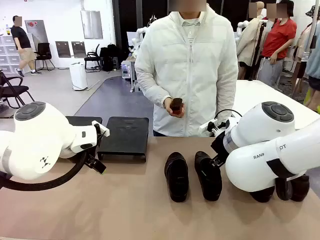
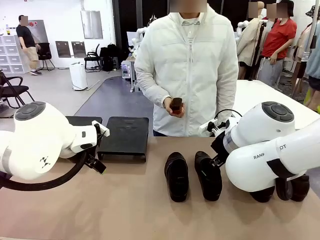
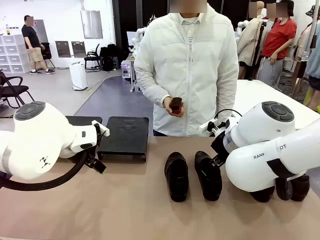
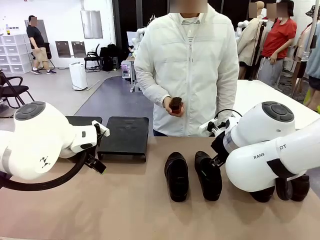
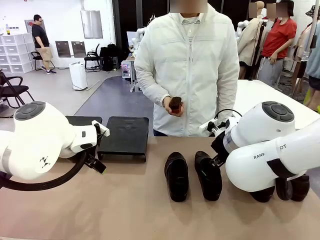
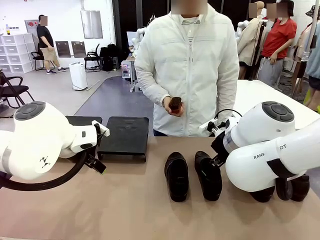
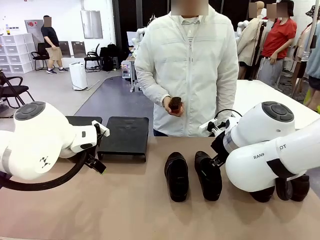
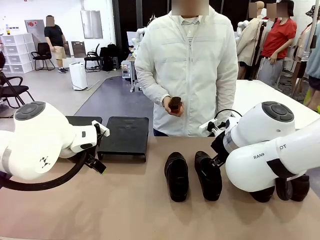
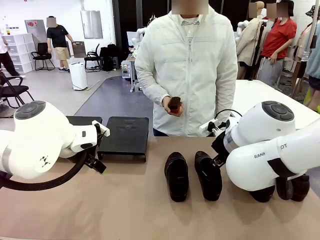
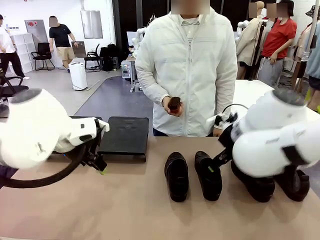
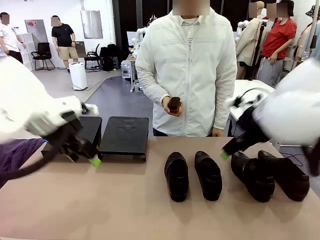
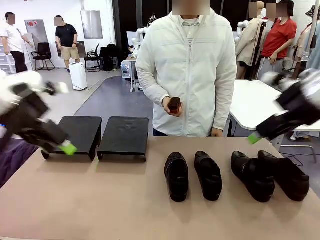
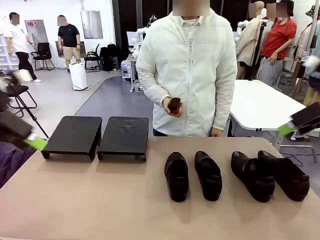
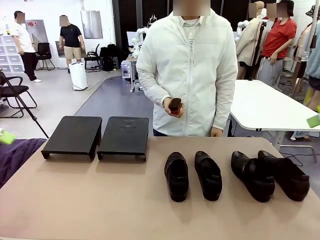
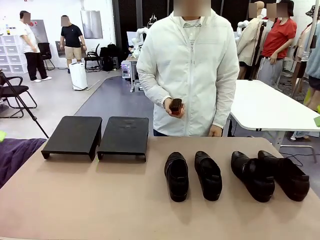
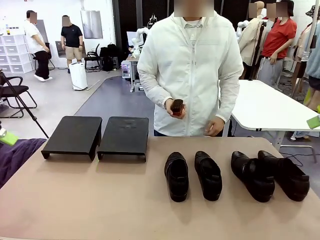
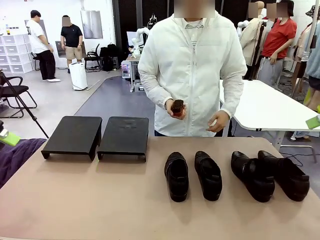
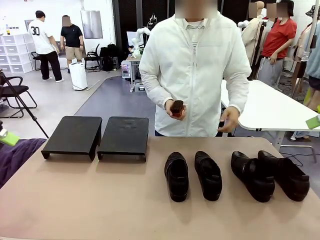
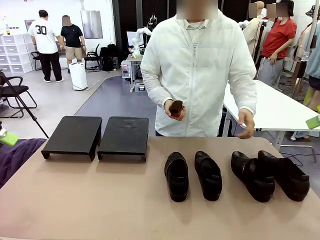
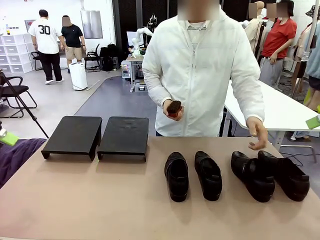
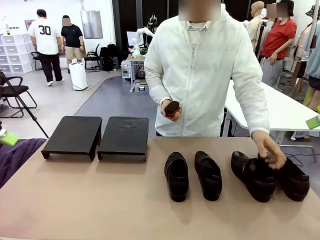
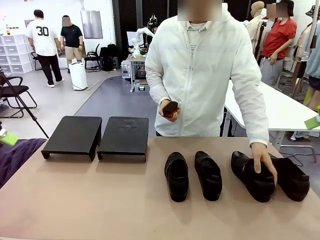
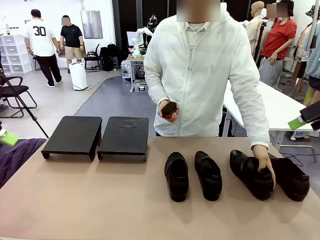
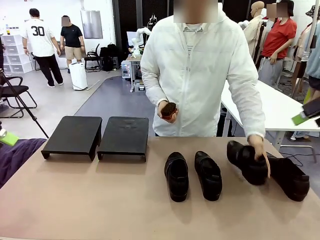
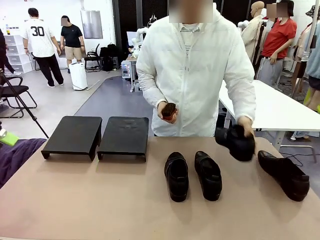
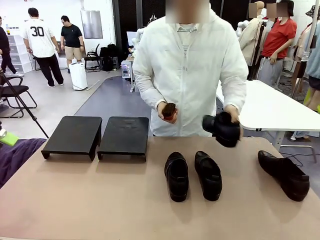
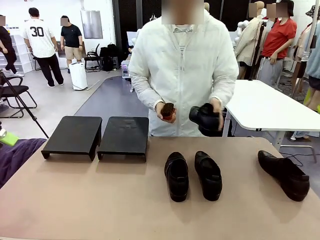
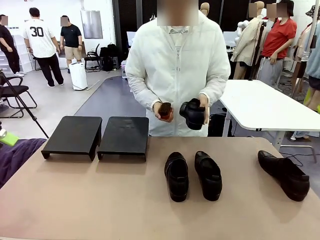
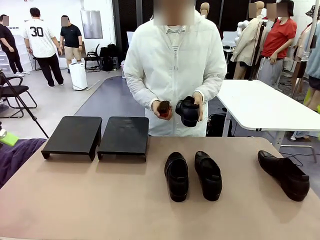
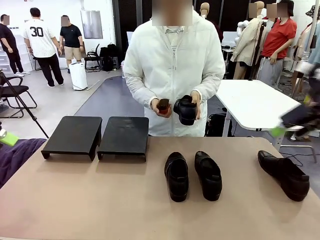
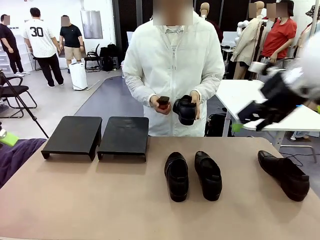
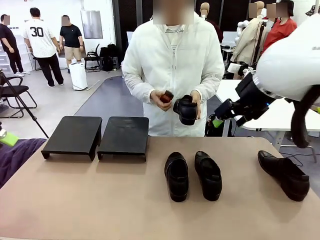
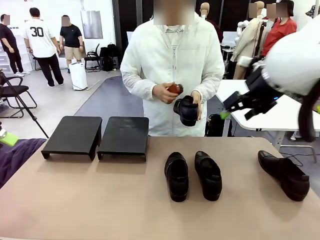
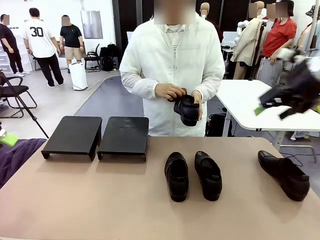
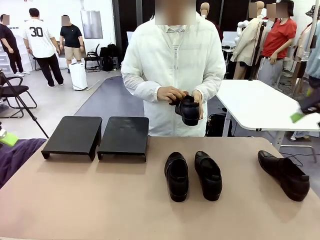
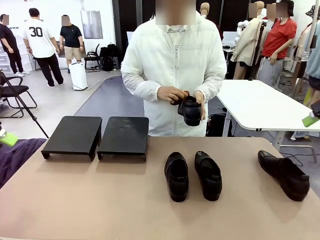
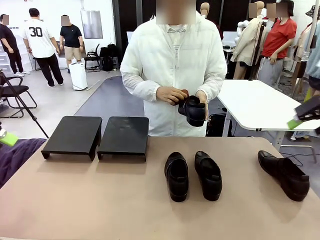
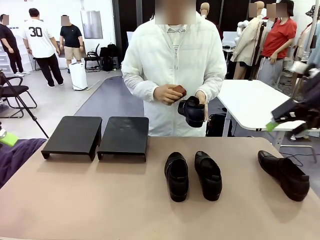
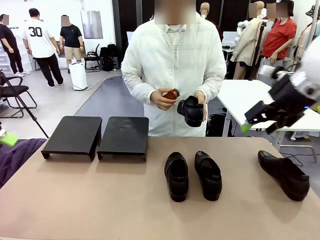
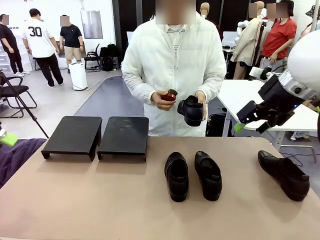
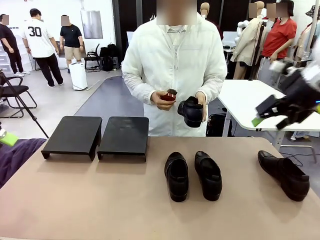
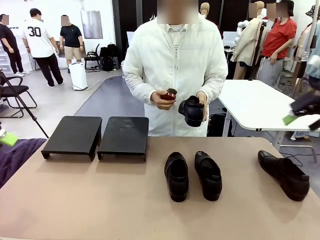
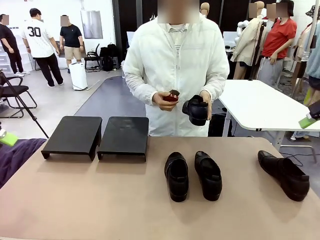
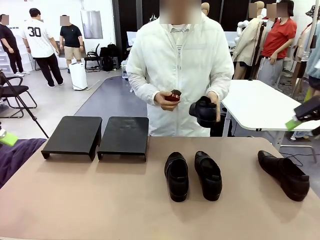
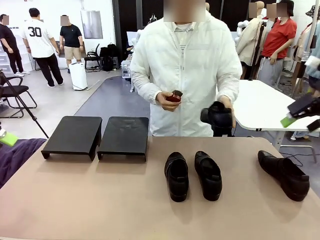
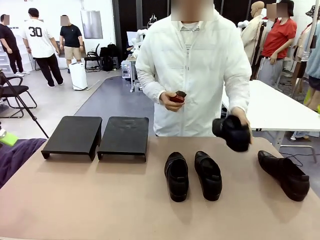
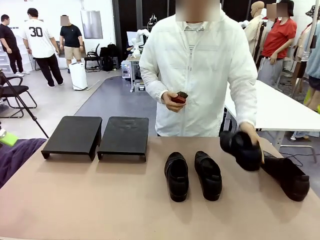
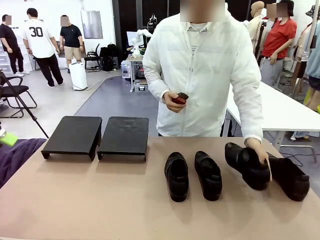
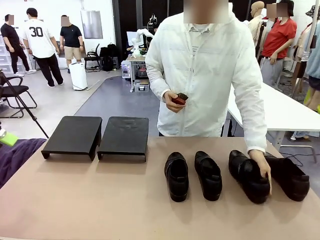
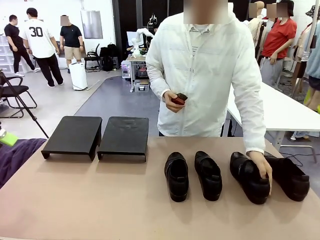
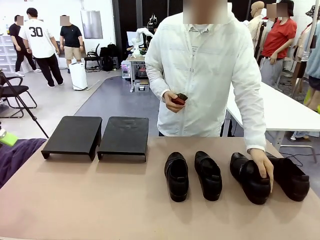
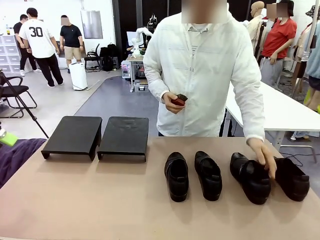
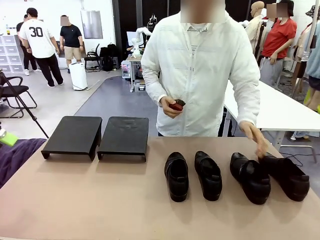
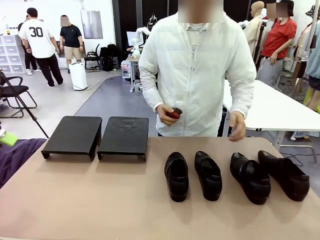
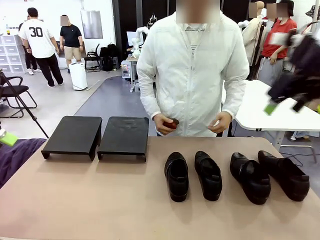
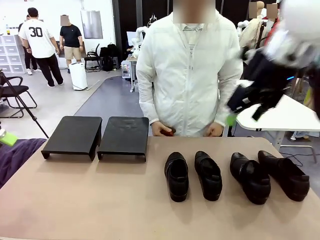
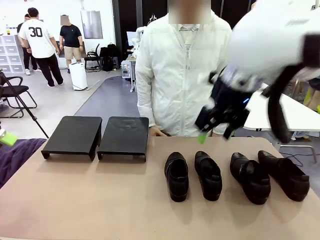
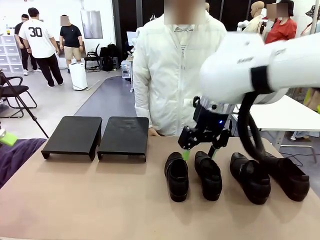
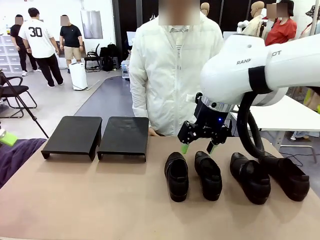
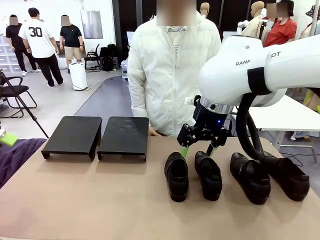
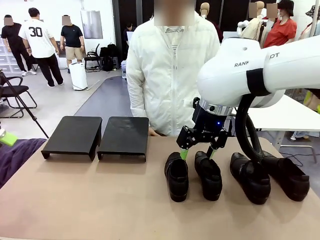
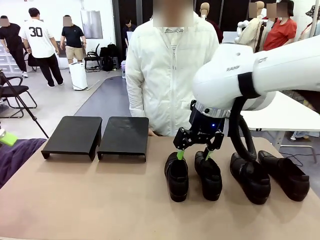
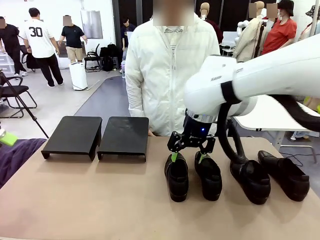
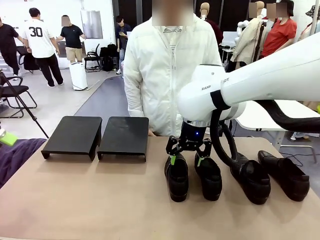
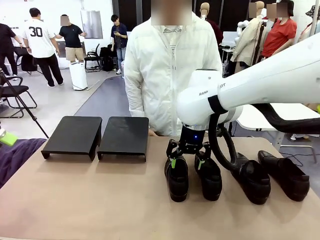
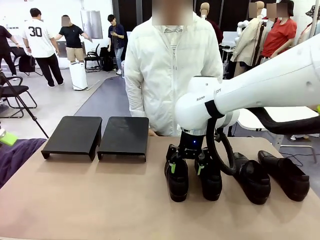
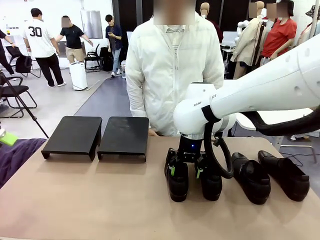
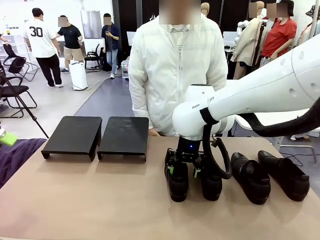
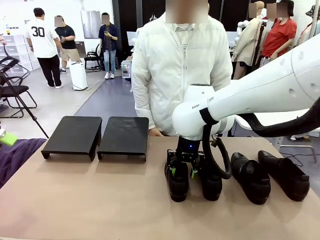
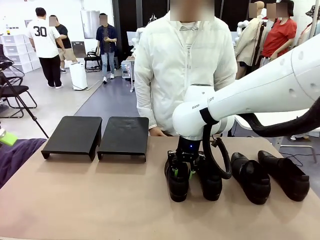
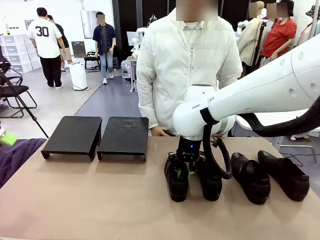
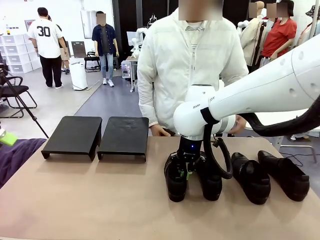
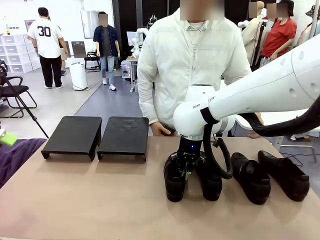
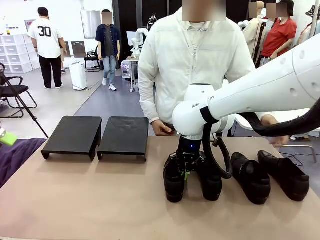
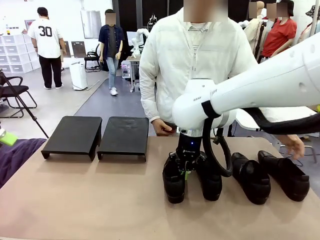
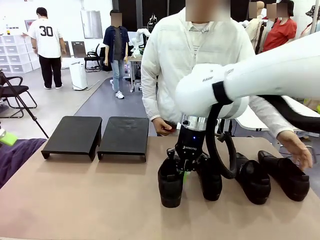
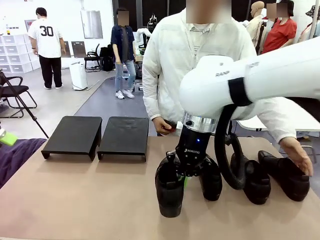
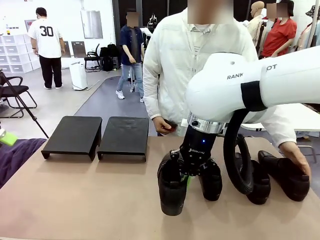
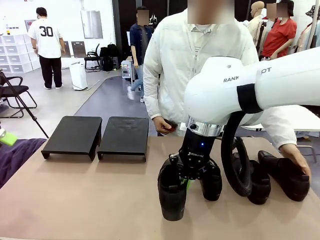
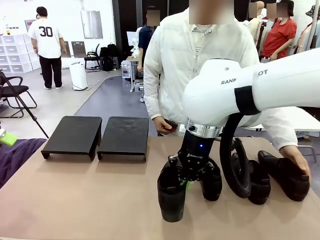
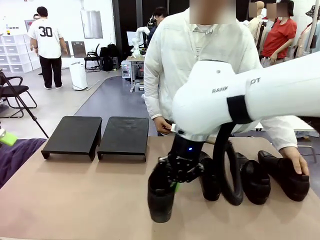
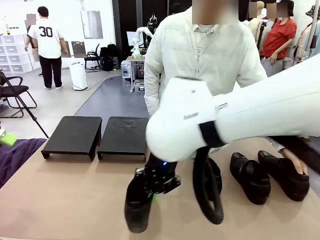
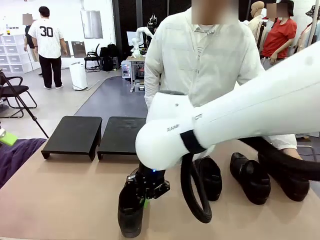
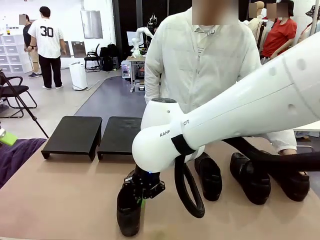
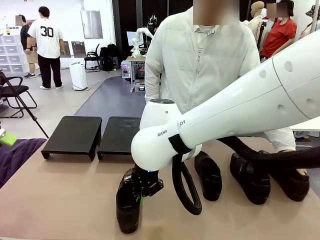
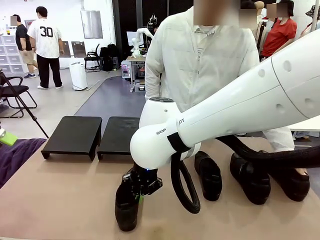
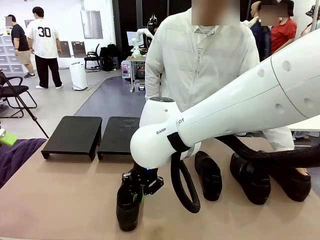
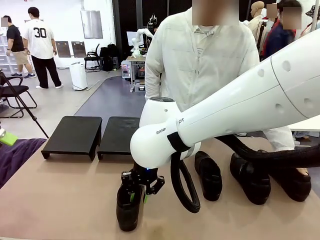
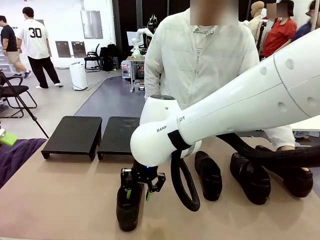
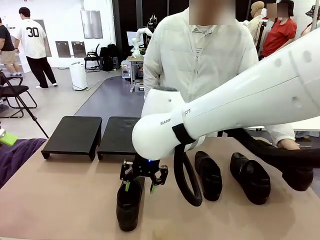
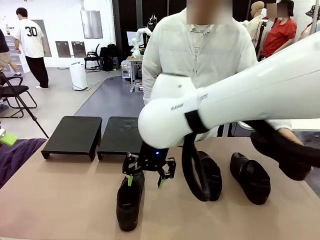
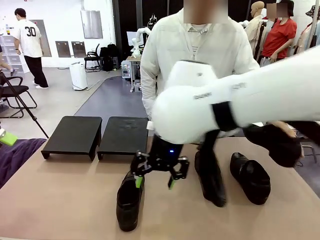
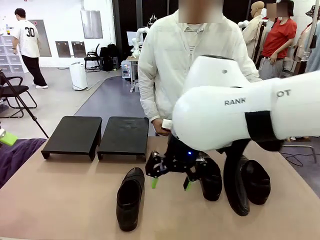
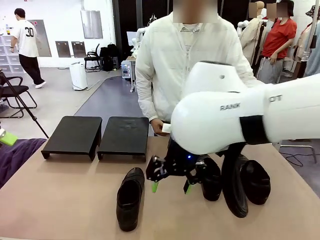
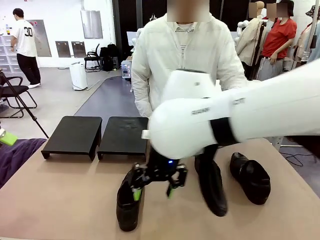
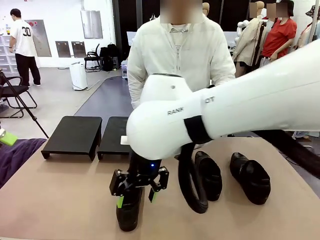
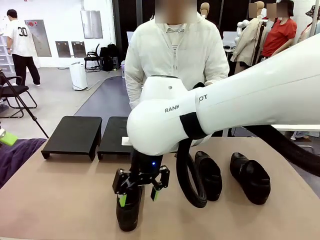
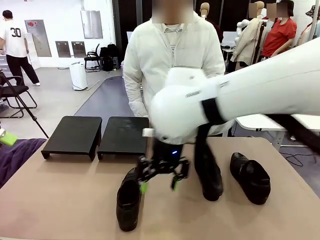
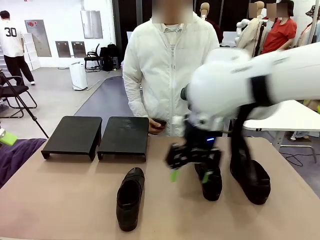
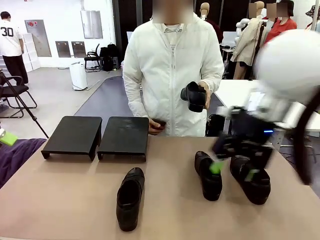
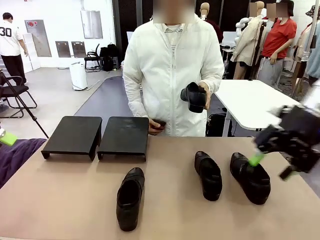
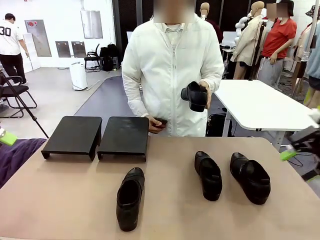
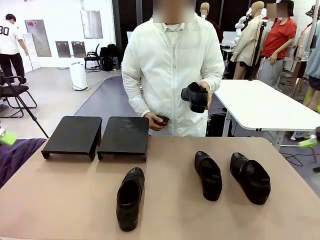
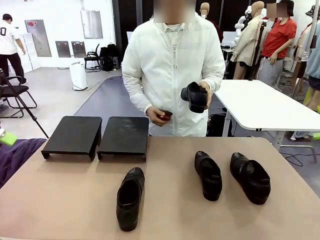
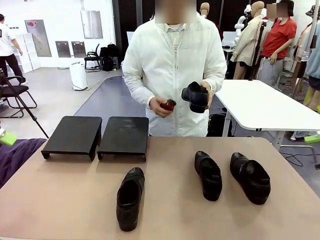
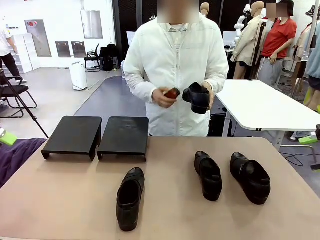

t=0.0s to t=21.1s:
Task: Organize the shoes by placing them on the stand.
Robot: Pick up one Shoe and place it in the middle of the table.
Person: Pick one Shoe on Robot's table. Clean the Shoe with the Shoe Brush. Place the Shoe on left side of the Robot's table. Pick one Shoe on Robot's table.
